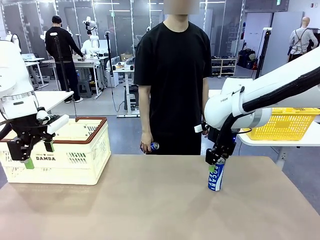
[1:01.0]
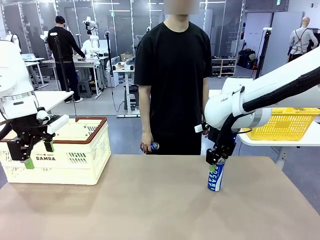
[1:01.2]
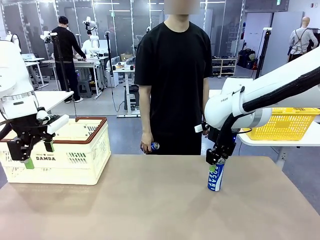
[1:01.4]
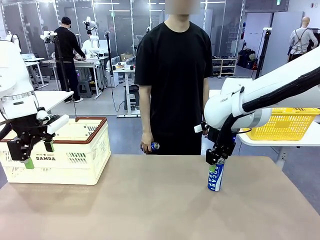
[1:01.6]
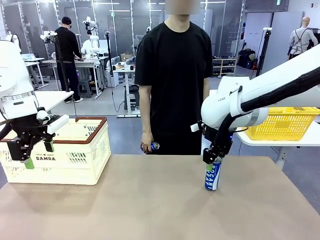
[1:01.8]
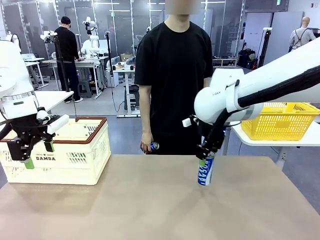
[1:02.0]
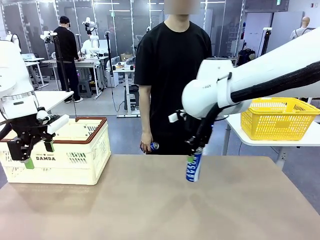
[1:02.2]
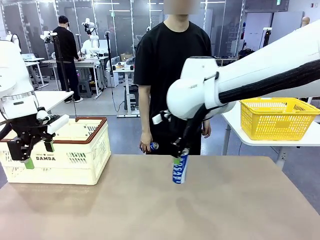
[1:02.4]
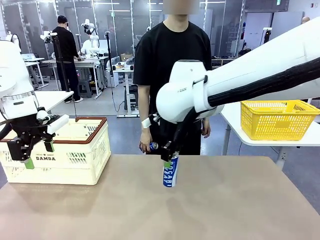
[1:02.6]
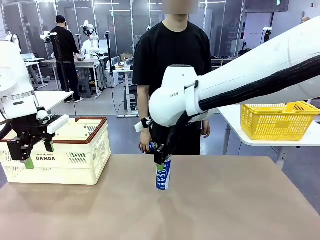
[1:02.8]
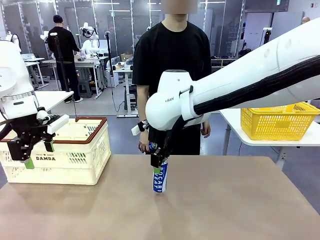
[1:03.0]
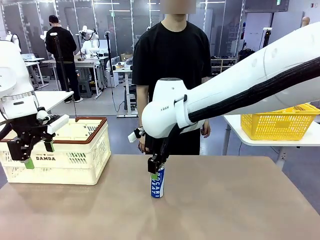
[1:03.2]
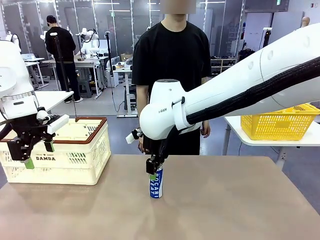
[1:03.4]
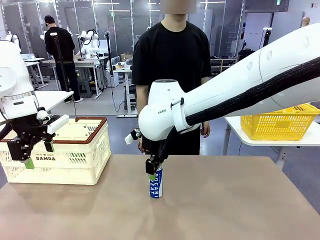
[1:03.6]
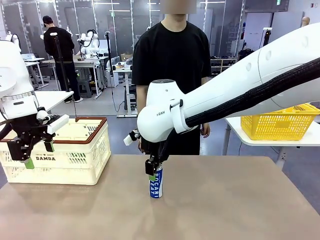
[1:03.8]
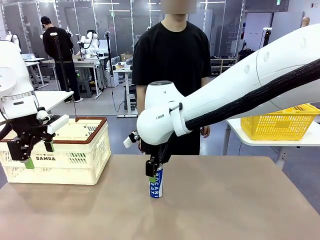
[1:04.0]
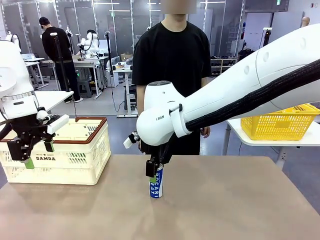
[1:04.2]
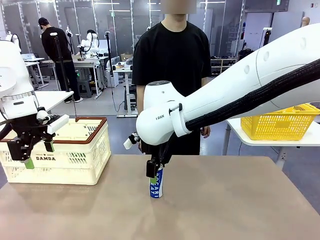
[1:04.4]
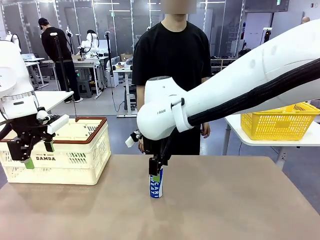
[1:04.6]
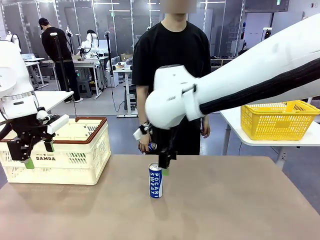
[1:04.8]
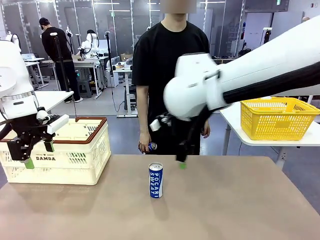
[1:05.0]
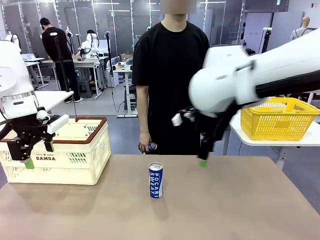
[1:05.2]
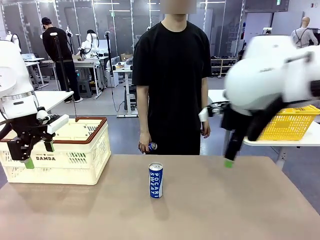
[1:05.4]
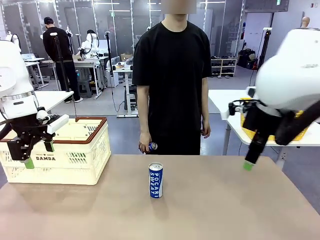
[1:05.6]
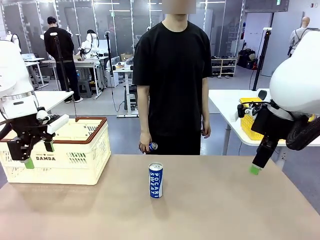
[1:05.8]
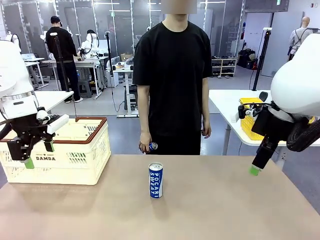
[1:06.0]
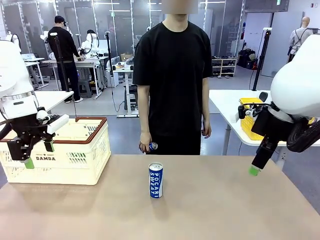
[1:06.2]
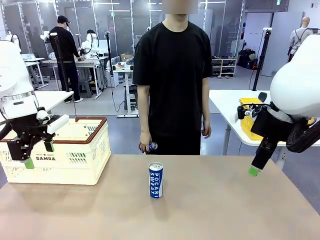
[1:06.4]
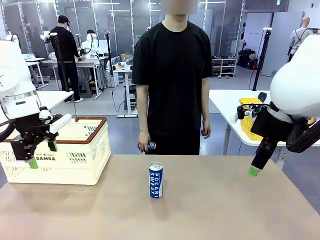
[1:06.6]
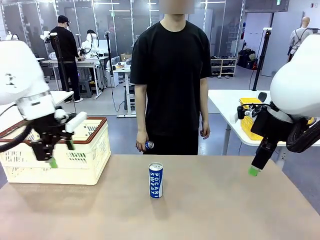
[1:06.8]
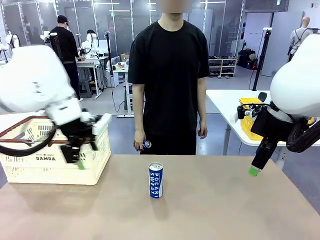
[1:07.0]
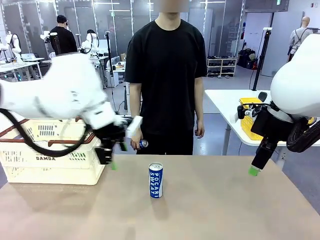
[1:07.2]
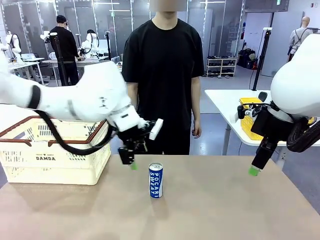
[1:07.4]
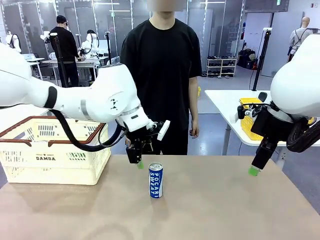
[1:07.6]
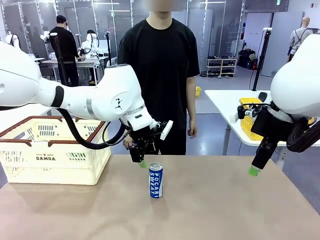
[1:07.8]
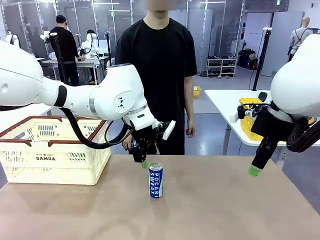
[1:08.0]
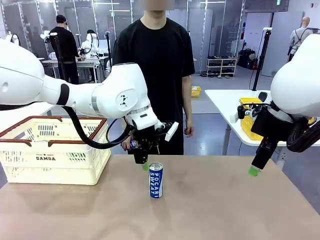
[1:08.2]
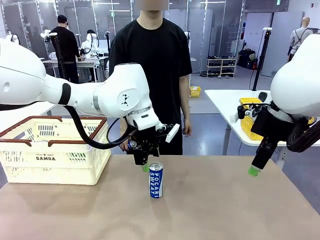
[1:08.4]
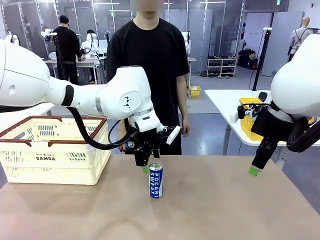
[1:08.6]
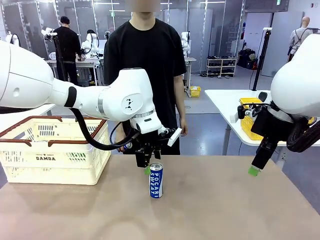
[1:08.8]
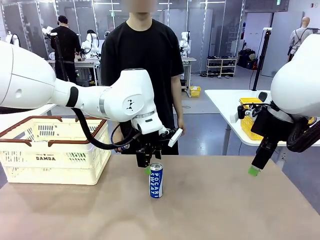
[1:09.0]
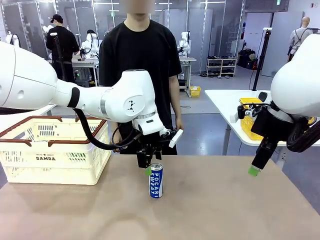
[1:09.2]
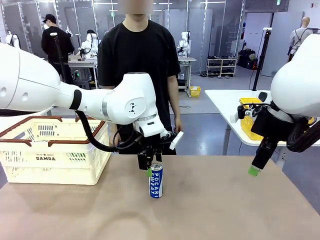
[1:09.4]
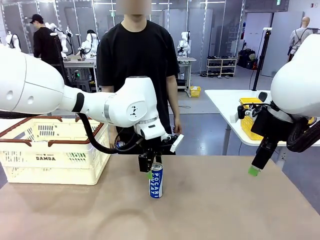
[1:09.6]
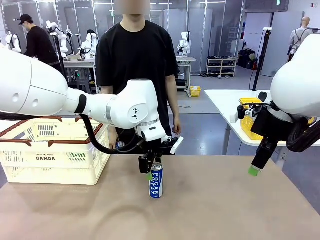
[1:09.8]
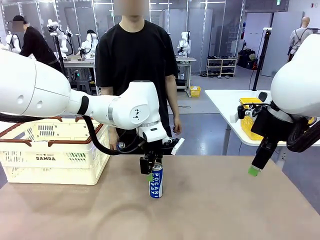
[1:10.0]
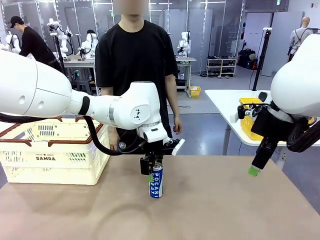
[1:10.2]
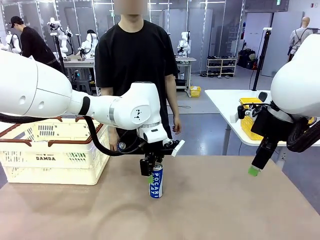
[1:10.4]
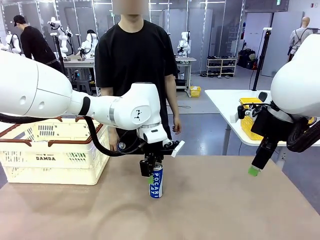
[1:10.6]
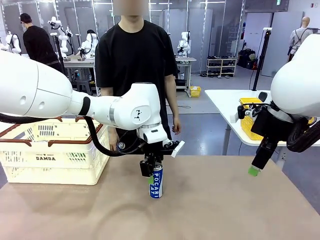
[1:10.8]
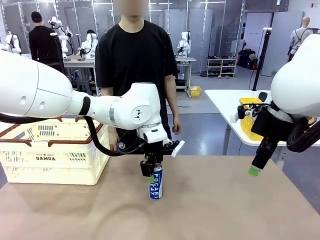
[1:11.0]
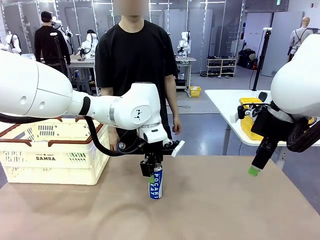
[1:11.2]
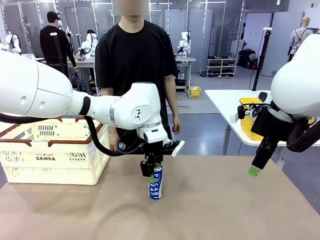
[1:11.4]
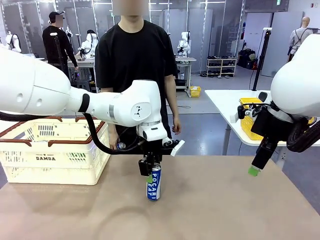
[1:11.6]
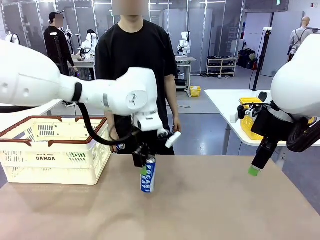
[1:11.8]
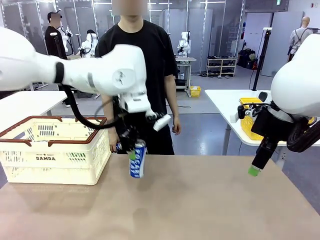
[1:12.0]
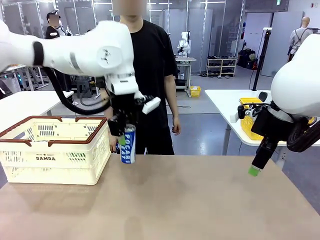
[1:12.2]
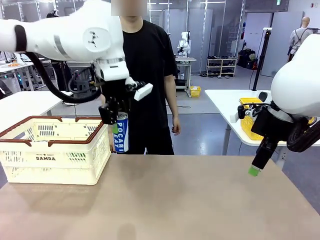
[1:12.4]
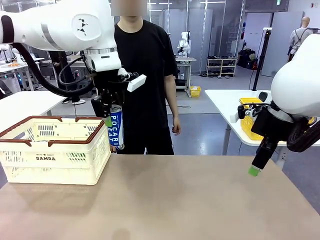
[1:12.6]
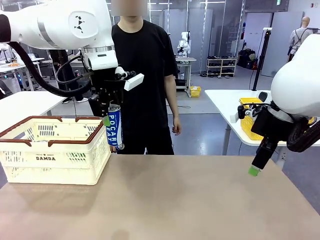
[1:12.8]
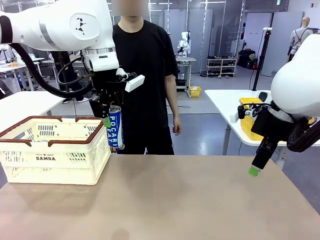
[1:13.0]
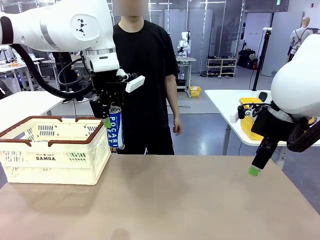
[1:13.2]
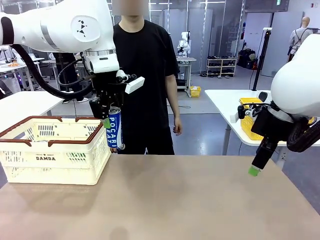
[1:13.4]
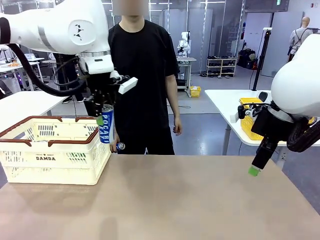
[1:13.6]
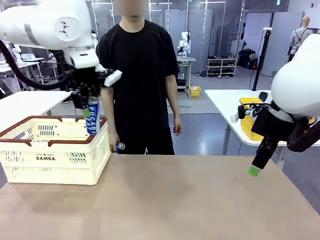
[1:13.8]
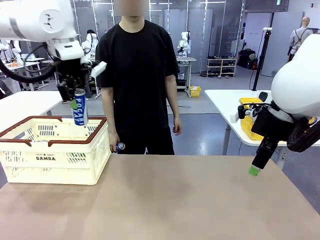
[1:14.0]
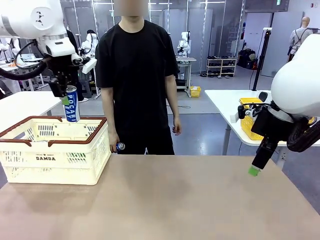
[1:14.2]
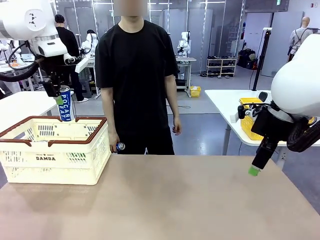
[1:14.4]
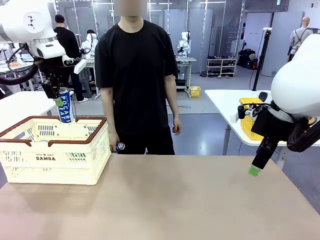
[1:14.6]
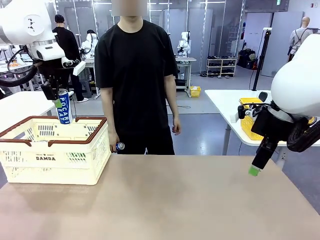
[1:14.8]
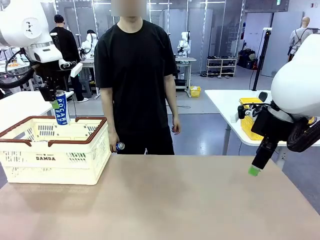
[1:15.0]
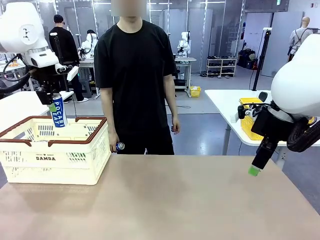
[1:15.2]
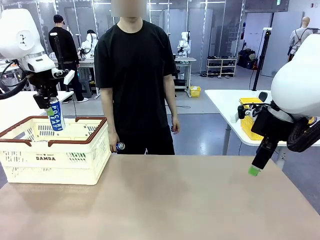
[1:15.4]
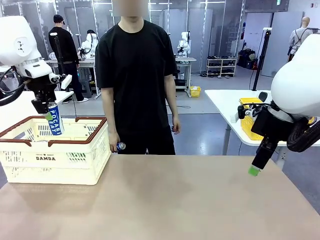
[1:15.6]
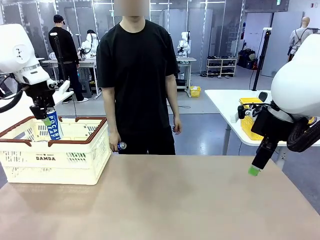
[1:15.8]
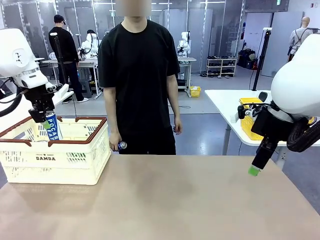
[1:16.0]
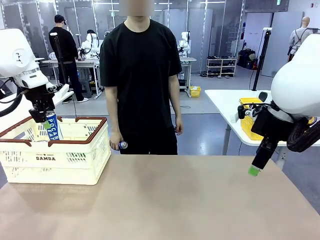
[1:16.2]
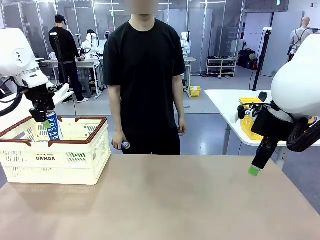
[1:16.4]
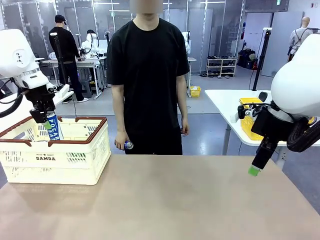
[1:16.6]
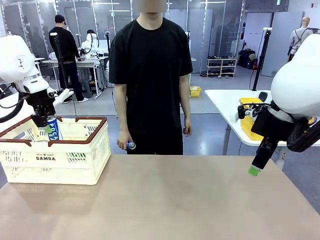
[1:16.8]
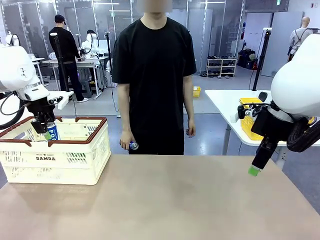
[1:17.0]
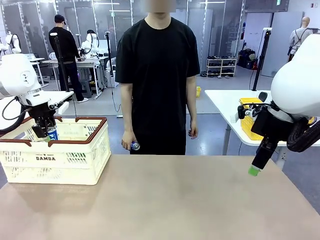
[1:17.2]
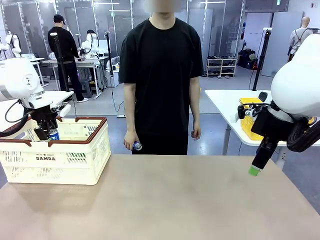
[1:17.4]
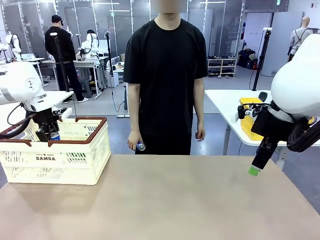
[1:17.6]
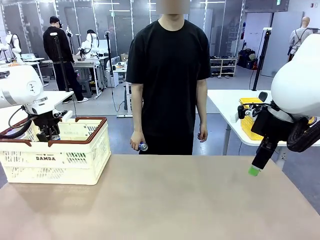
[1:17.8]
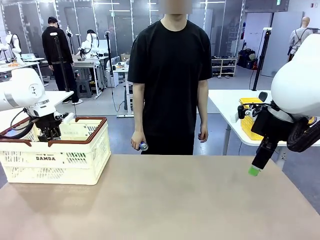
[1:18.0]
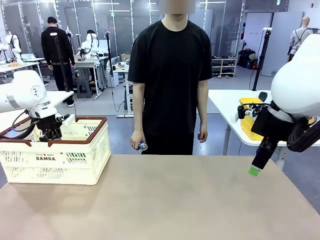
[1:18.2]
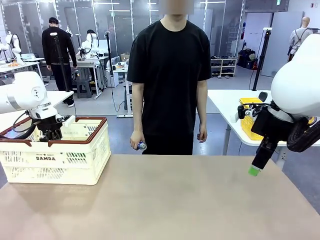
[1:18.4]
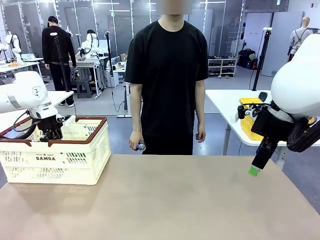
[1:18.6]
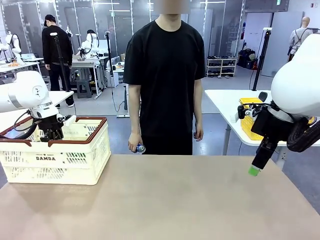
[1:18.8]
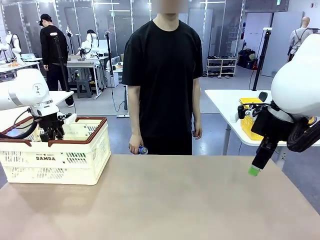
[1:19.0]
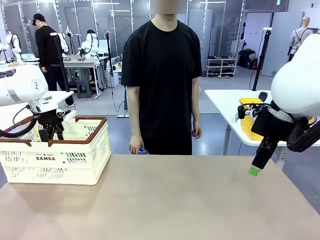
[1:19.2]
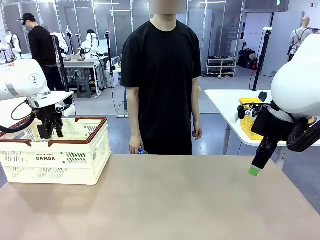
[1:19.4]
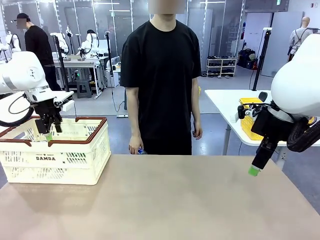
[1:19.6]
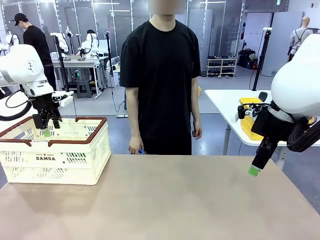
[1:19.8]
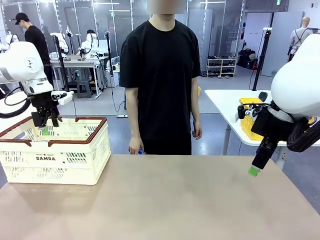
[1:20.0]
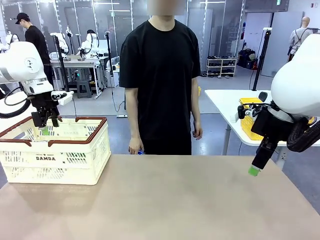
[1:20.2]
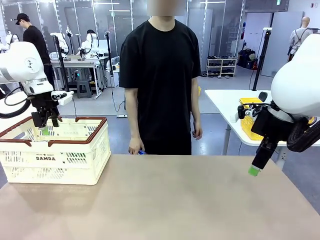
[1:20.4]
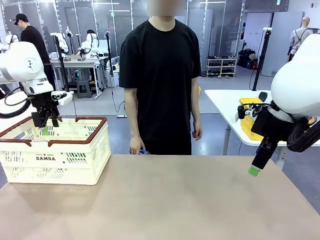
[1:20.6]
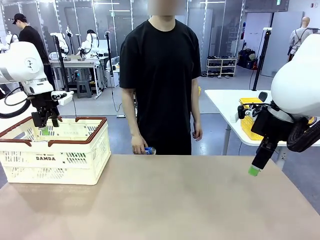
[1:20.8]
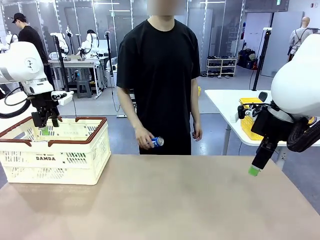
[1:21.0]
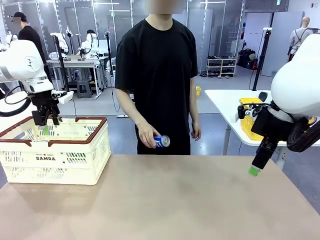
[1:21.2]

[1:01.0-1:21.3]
Task: Place the drinks into the Shopping basket.
Robot: Pick up one drink and place it into the Shopping basket.
